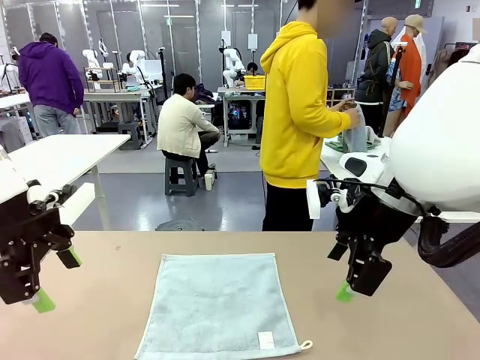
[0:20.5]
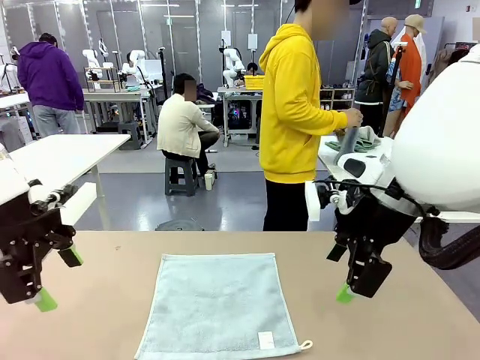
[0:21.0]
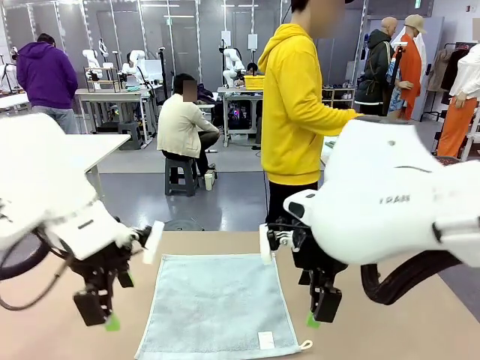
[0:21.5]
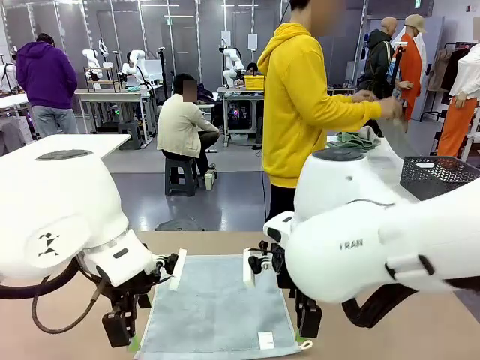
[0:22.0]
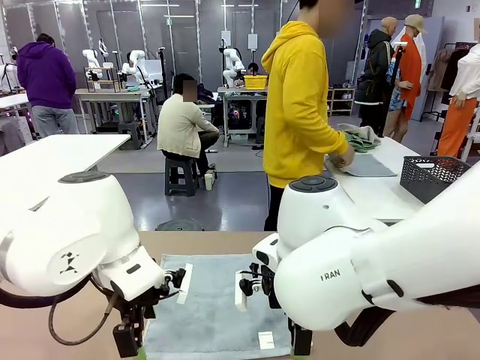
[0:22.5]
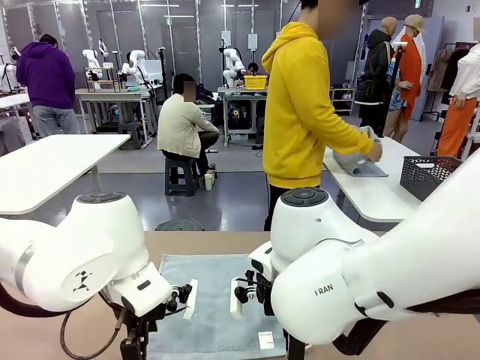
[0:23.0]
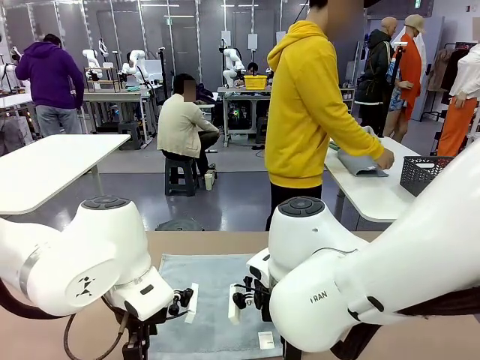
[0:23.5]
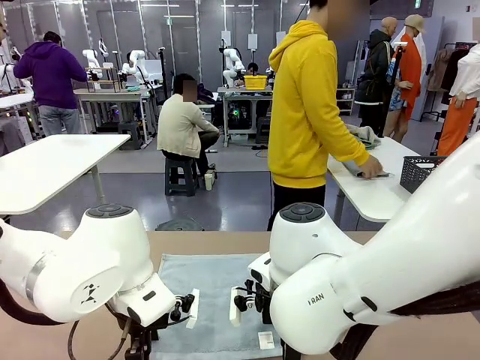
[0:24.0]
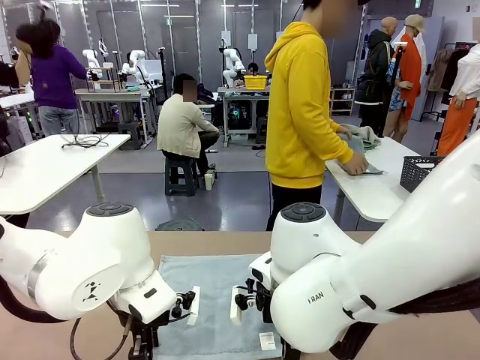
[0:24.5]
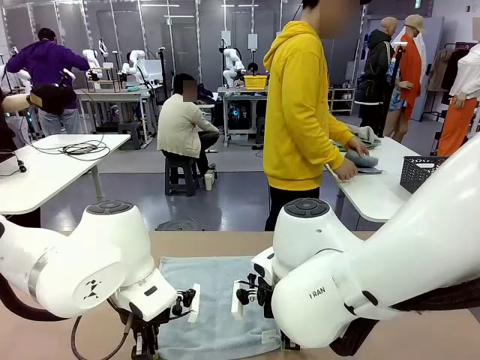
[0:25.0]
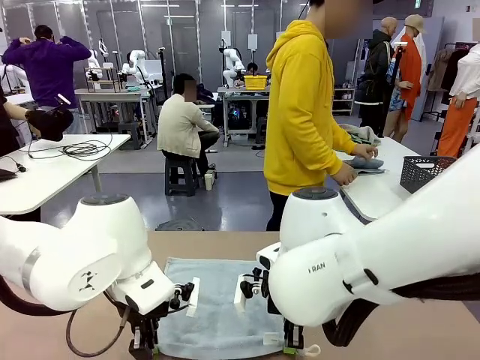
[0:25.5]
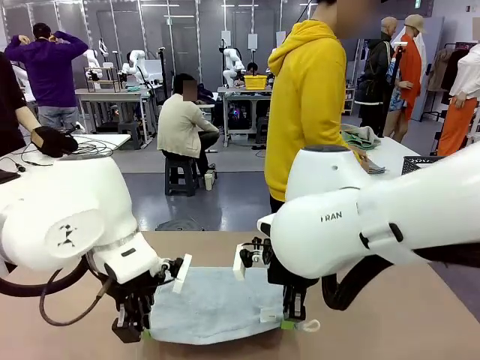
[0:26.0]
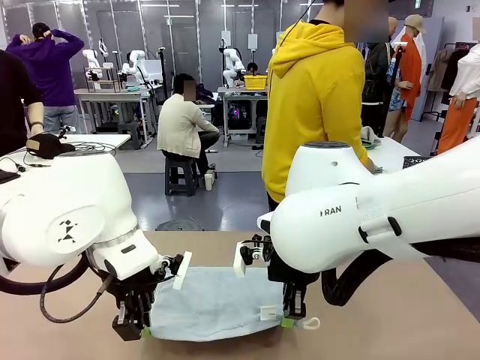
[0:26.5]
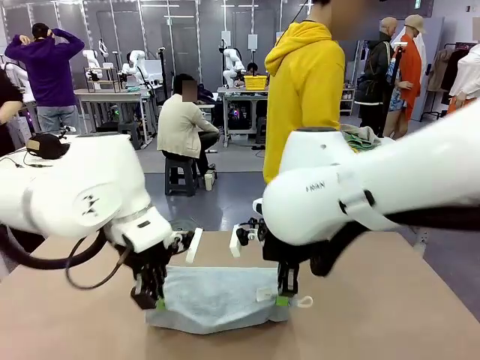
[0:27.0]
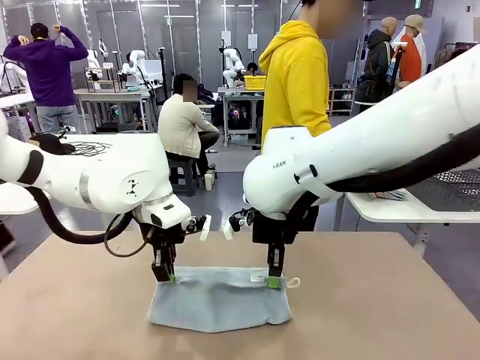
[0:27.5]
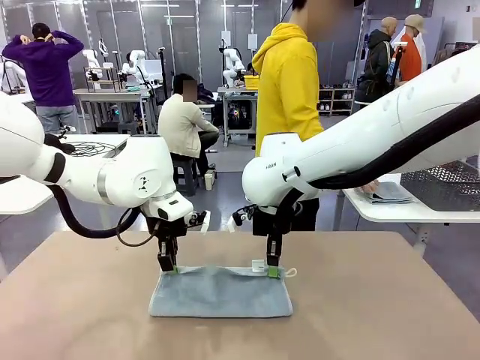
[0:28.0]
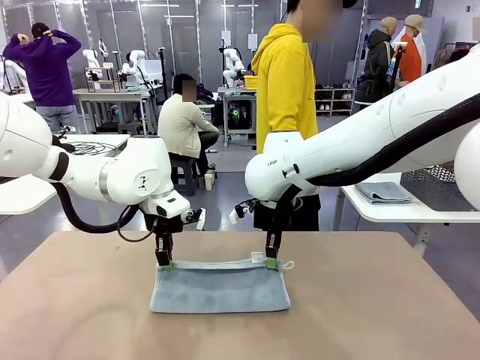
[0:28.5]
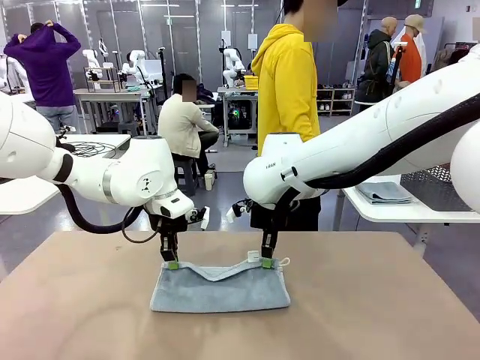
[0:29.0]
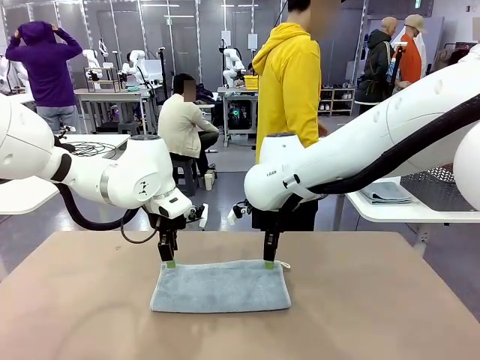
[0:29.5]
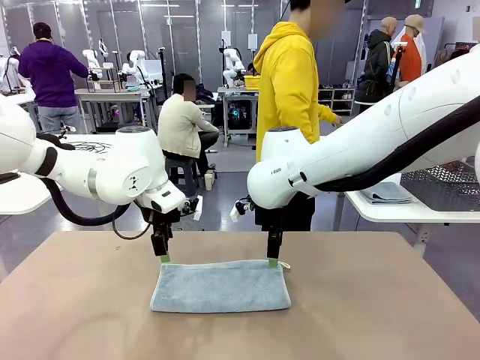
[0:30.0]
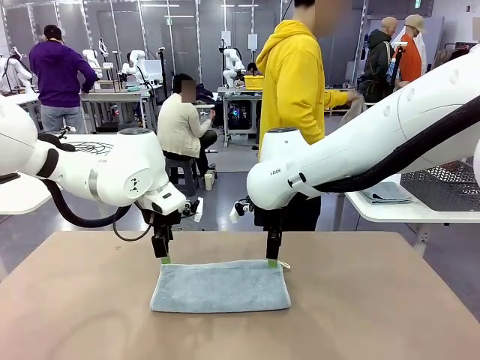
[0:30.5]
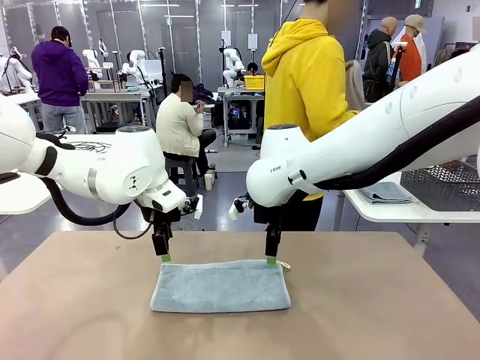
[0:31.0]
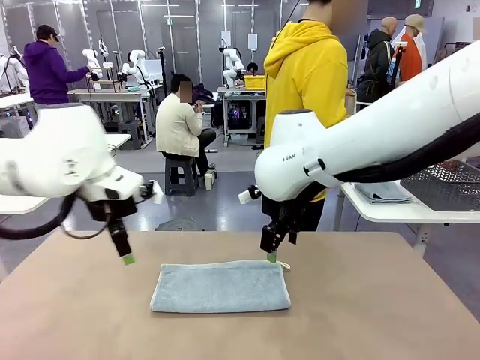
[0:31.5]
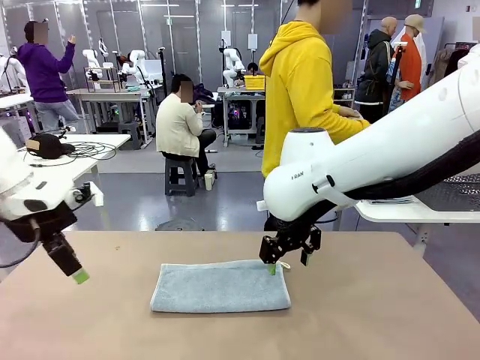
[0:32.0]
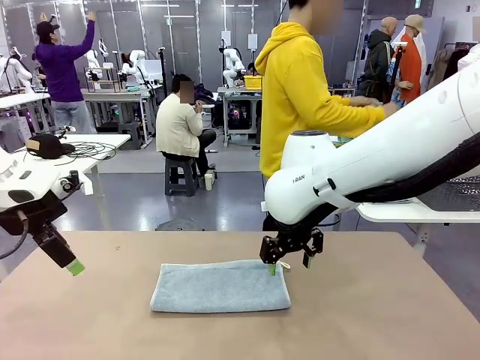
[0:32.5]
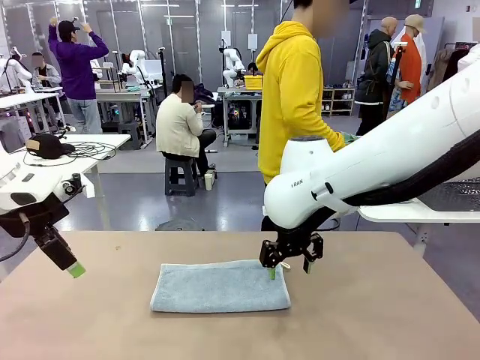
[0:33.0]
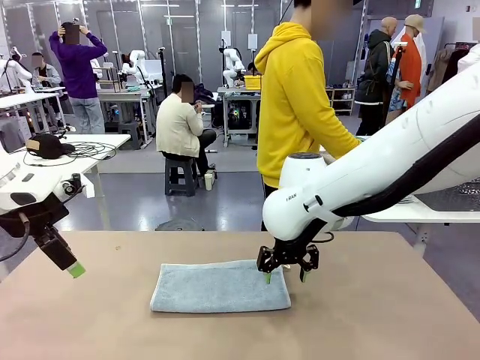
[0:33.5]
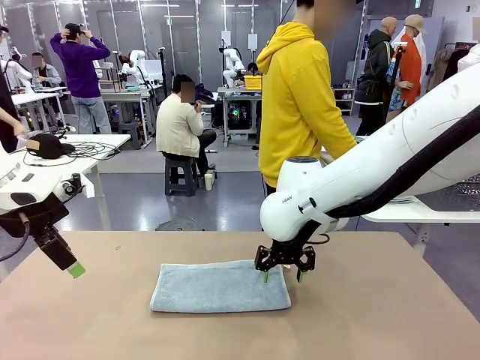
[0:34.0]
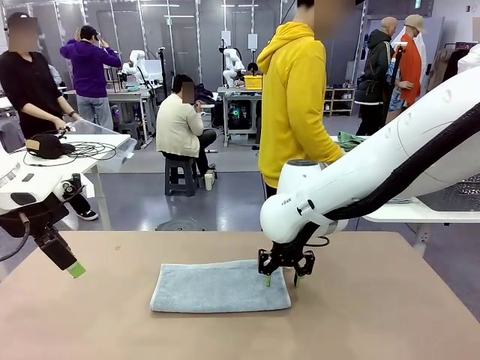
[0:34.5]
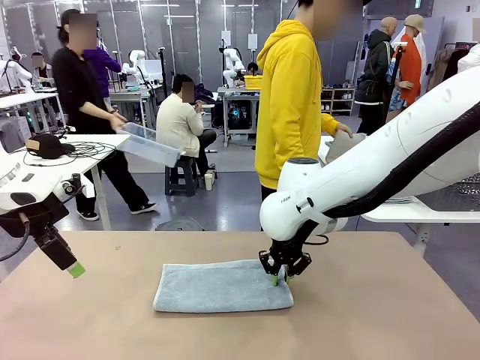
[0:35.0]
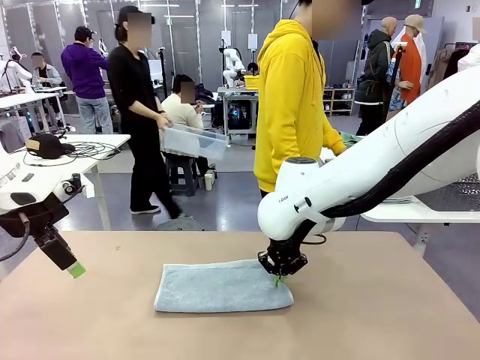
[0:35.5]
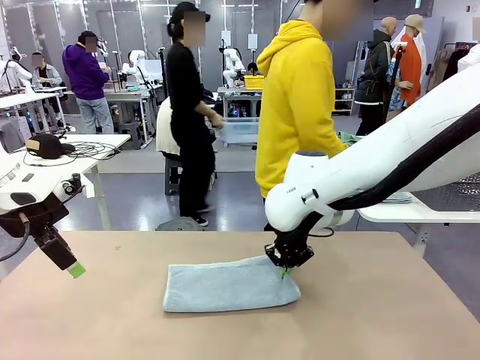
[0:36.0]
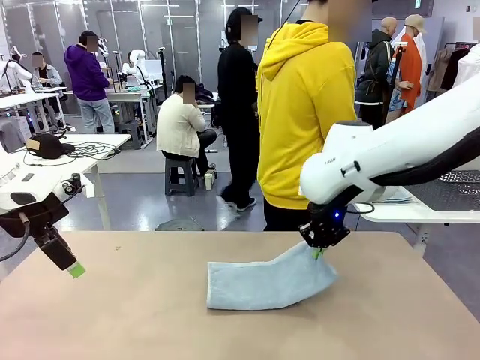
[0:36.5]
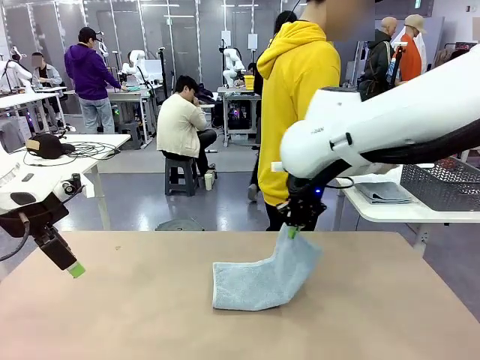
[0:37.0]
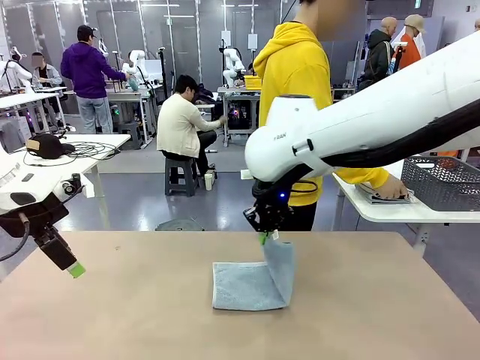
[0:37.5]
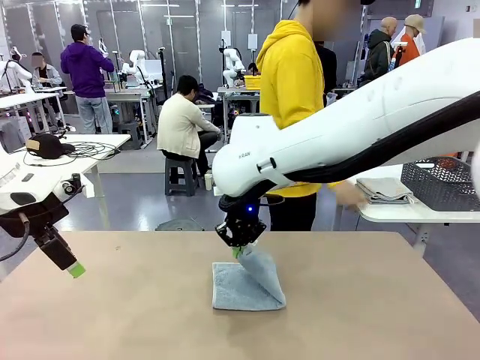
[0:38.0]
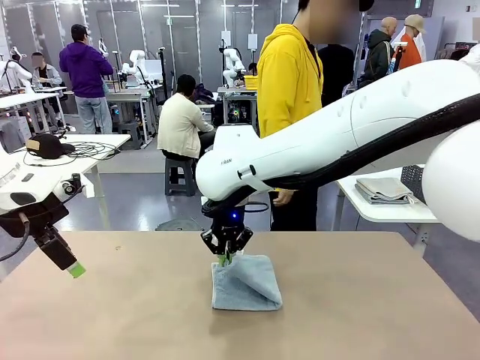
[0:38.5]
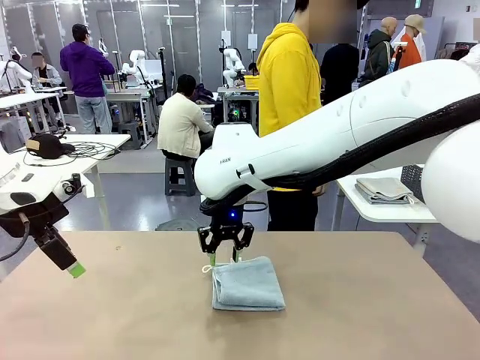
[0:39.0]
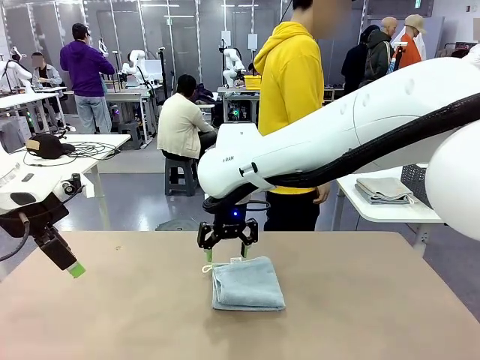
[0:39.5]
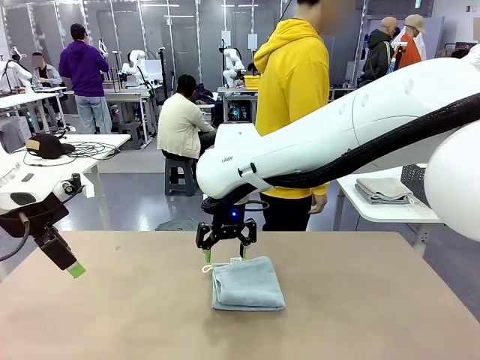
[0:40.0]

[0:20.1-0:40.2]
Task: Fold the towels and place them in the basket.
Robot: When a person lays out a Towel with hook on the table, fold it in half twice.
Person: Pick up one towel from the left side of the human table, fold it in half twice, and place it on the right side of the table. Pick up one towel from the left side of the human table, fold it in half twice, and stack it on the right side of the table.

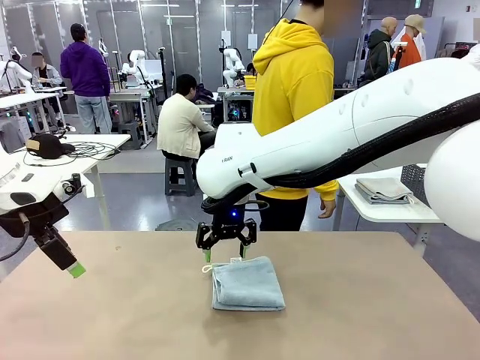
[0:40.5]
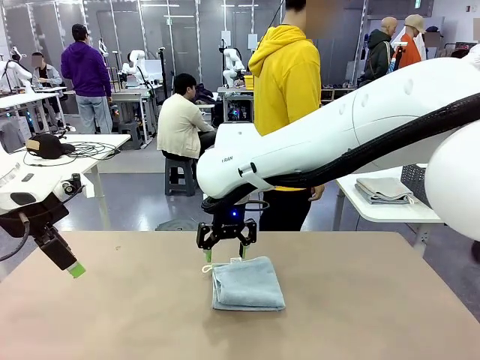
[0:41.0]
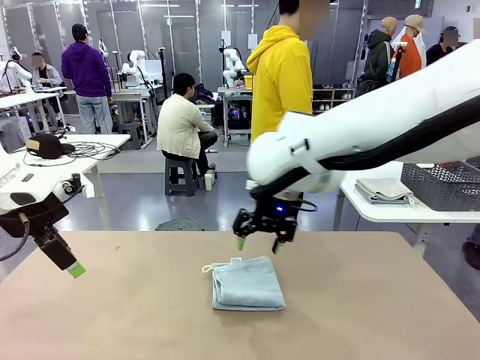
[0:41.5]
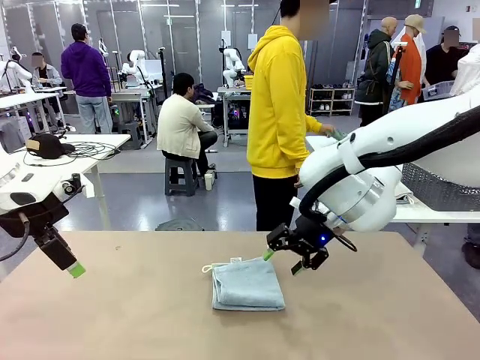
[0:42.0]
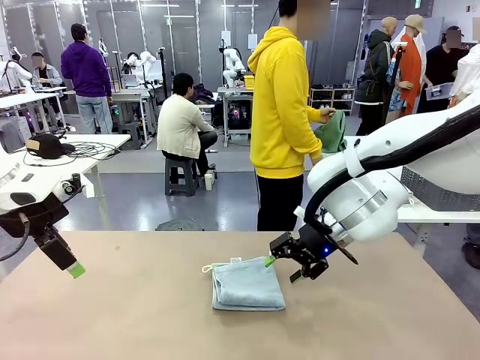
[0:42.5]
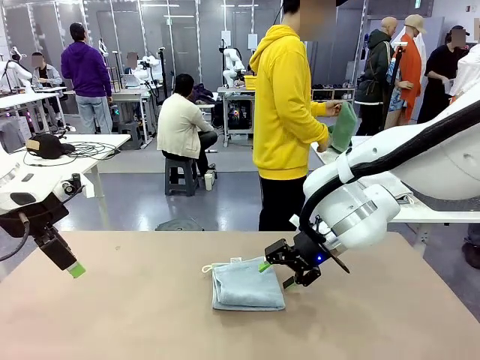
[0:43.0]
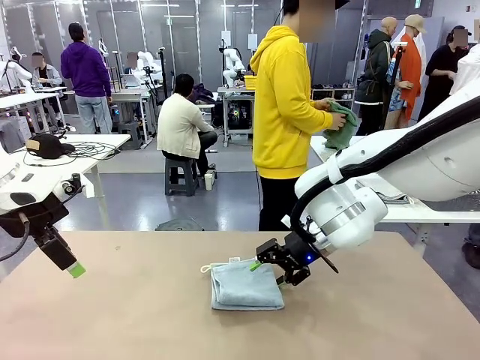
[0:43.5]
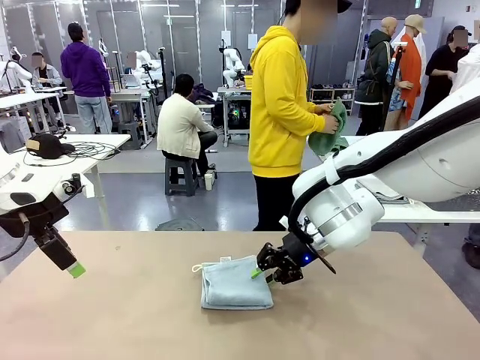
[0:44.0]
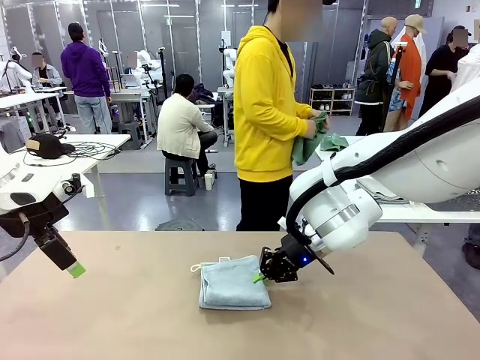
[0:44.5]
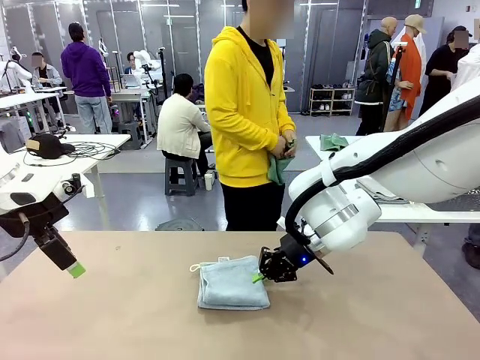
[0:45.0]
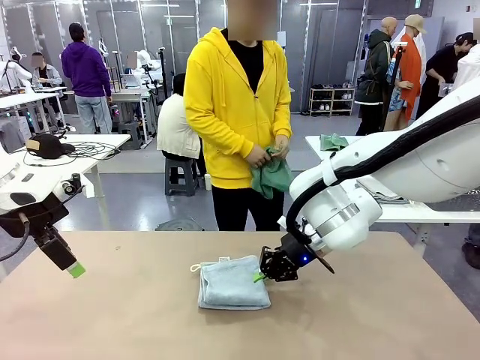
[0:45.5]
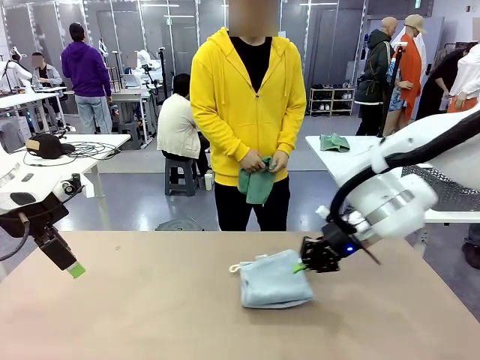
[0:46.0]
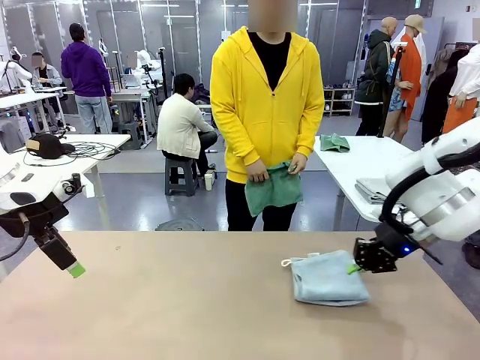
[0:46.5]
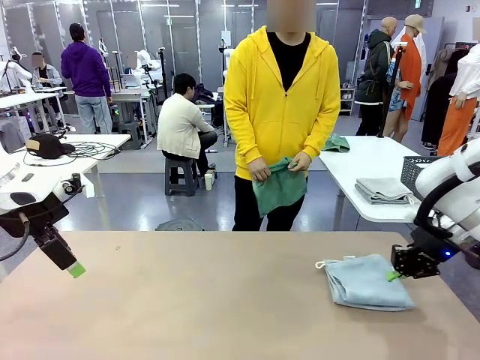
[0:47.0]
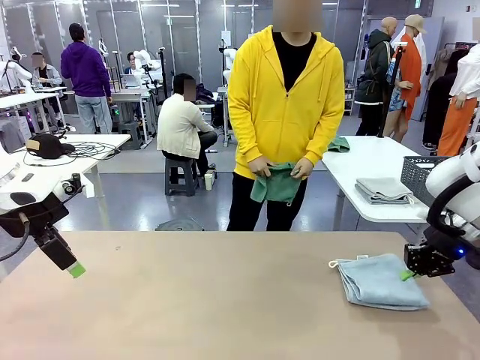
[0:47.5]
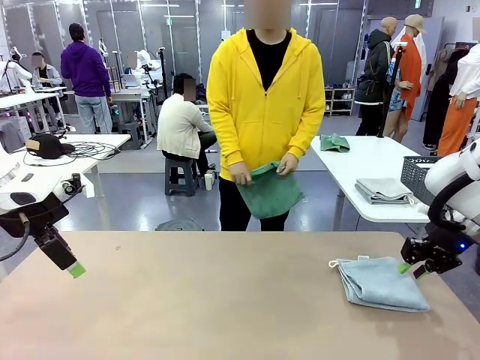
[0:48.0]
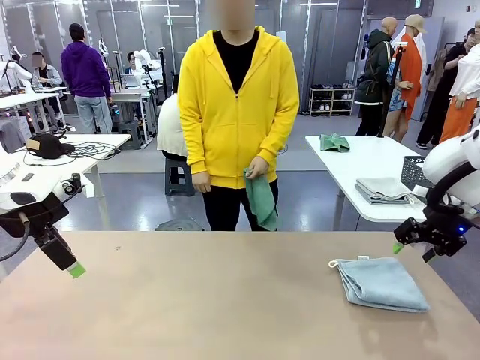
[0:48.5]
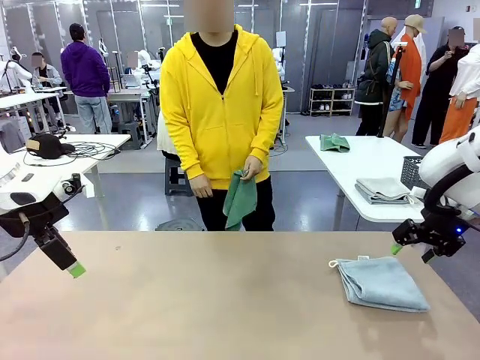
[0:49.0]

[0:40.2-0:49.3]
Robot: Place the folded Towel with hook on the right side of the table.
Person: Pick up one towel from the left side of the human table and spread it out at the center of the robot table.
